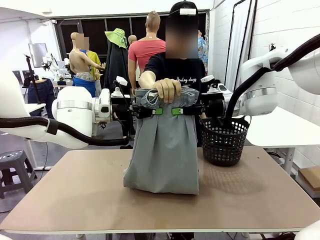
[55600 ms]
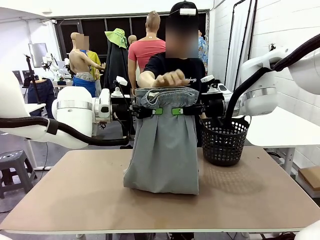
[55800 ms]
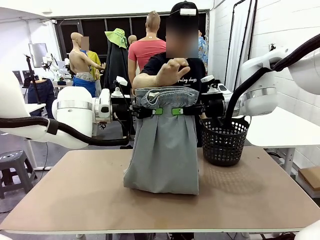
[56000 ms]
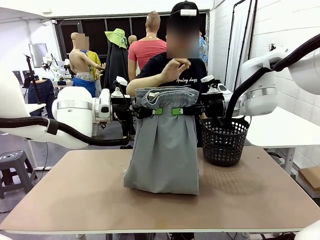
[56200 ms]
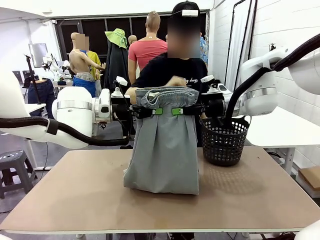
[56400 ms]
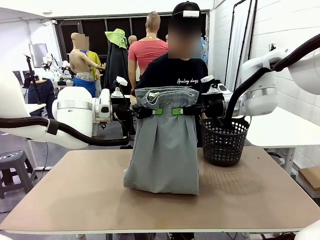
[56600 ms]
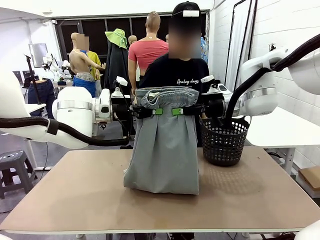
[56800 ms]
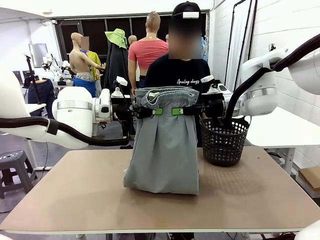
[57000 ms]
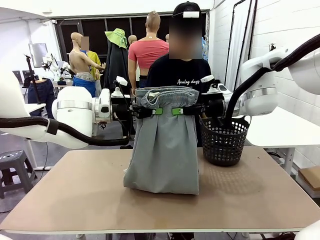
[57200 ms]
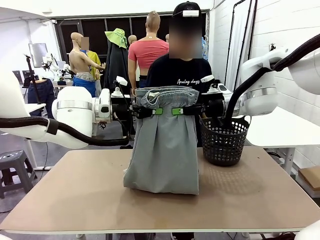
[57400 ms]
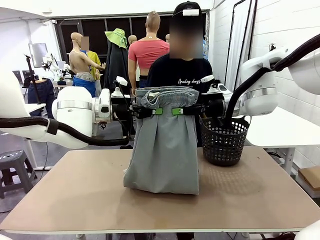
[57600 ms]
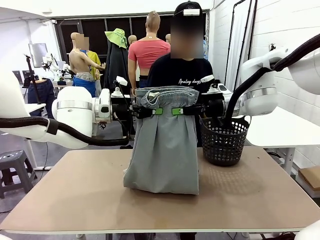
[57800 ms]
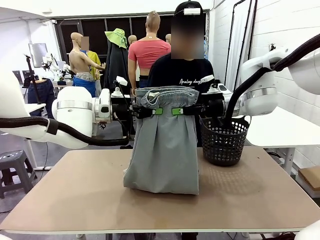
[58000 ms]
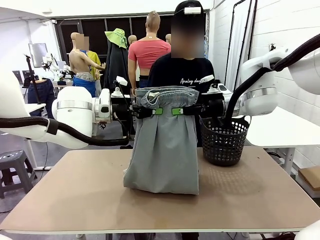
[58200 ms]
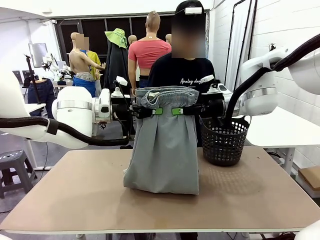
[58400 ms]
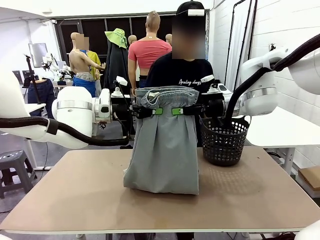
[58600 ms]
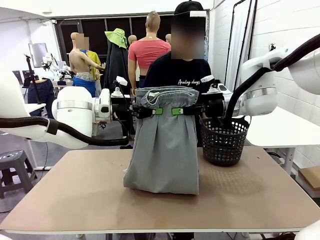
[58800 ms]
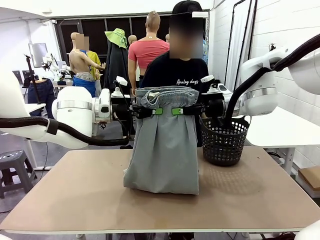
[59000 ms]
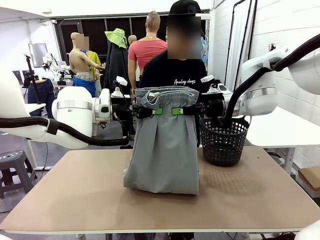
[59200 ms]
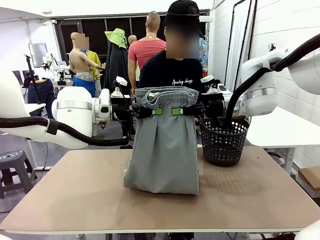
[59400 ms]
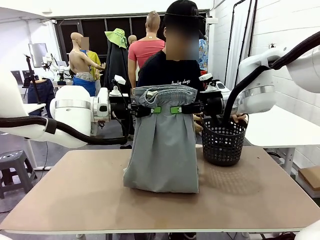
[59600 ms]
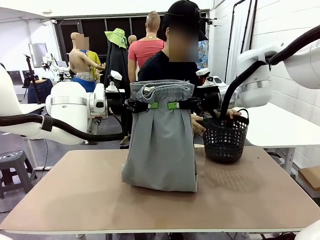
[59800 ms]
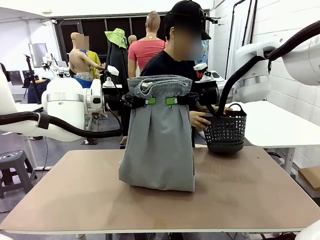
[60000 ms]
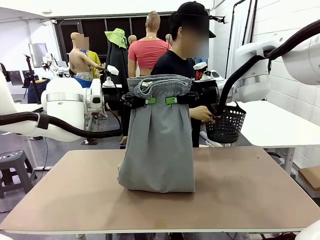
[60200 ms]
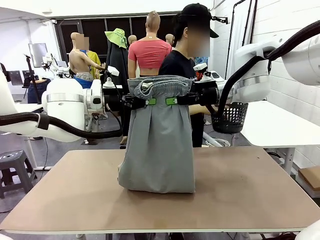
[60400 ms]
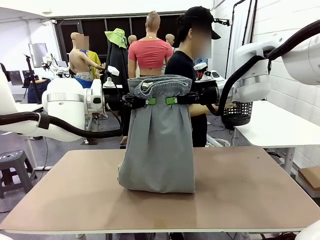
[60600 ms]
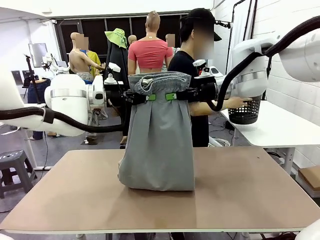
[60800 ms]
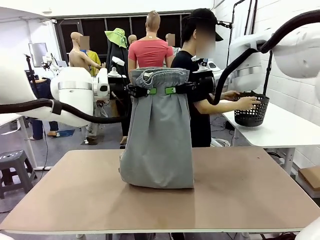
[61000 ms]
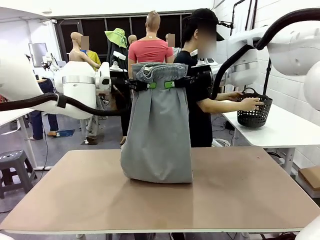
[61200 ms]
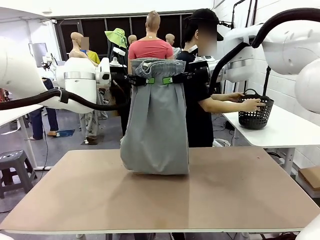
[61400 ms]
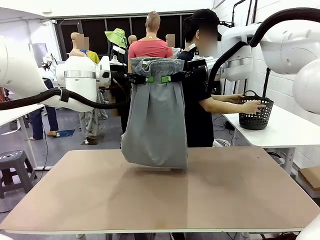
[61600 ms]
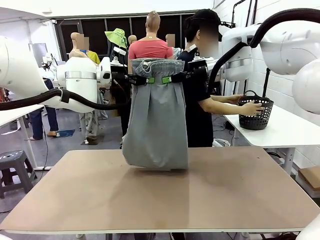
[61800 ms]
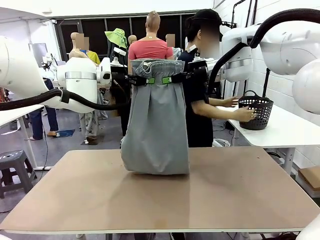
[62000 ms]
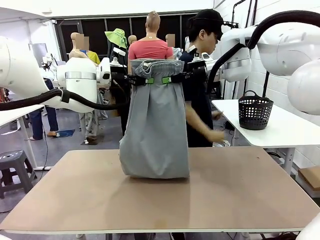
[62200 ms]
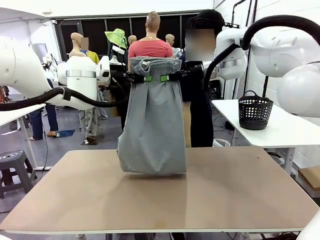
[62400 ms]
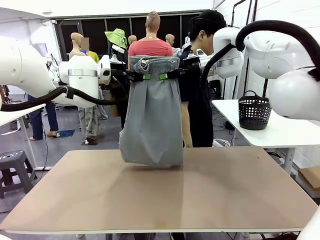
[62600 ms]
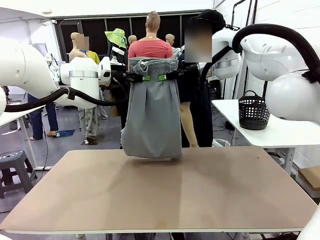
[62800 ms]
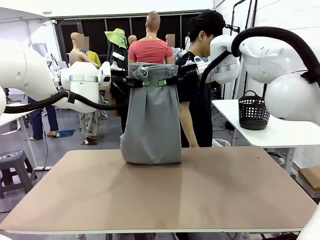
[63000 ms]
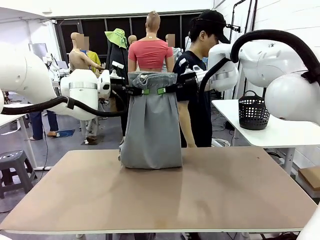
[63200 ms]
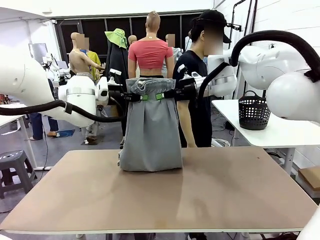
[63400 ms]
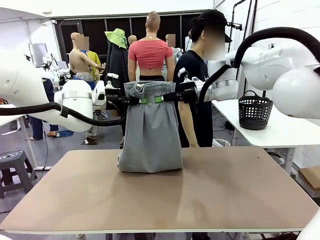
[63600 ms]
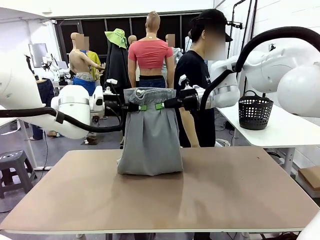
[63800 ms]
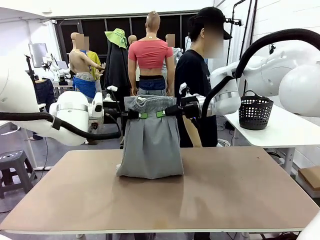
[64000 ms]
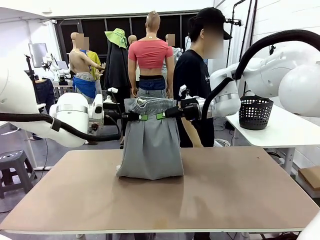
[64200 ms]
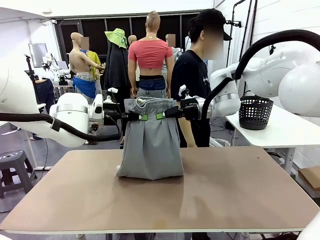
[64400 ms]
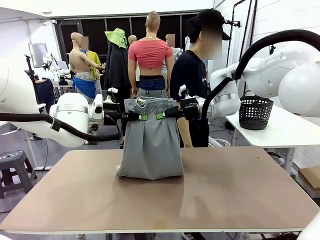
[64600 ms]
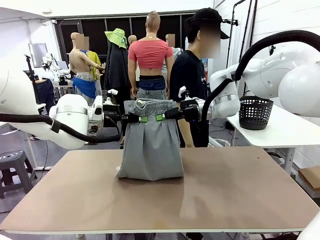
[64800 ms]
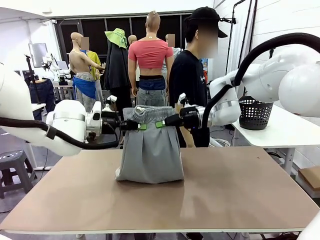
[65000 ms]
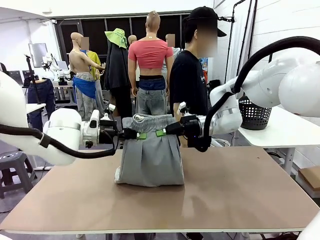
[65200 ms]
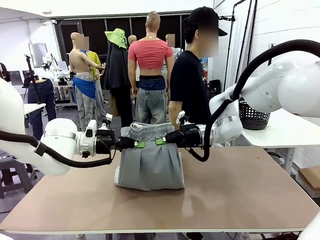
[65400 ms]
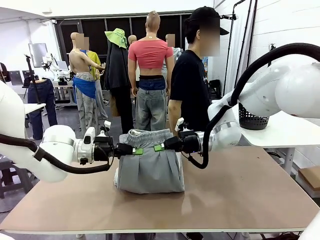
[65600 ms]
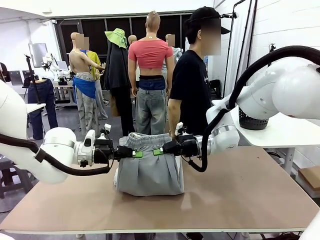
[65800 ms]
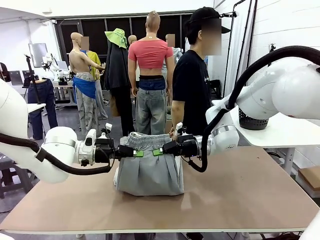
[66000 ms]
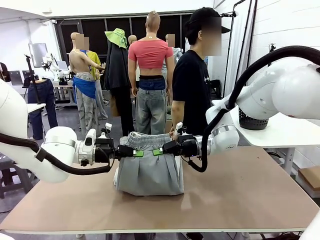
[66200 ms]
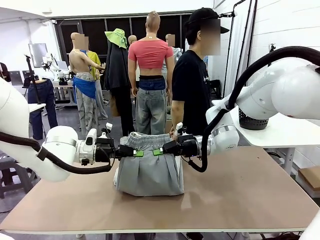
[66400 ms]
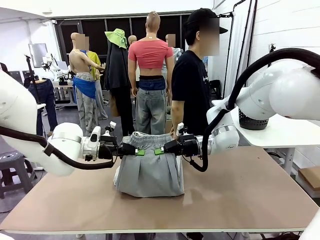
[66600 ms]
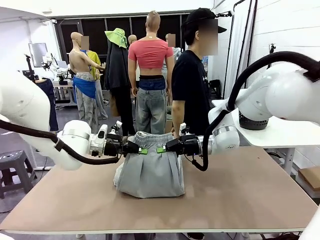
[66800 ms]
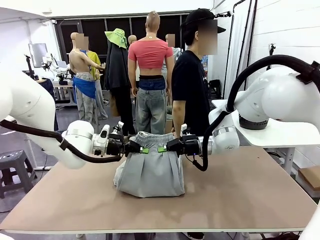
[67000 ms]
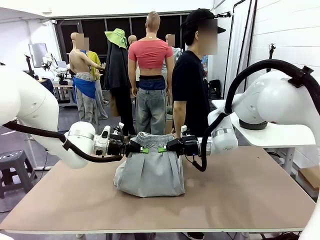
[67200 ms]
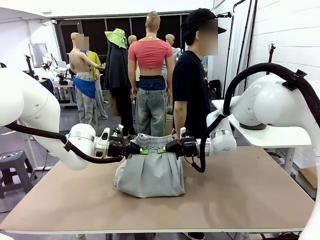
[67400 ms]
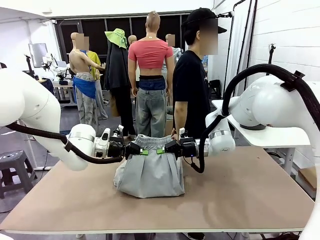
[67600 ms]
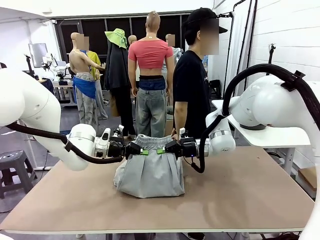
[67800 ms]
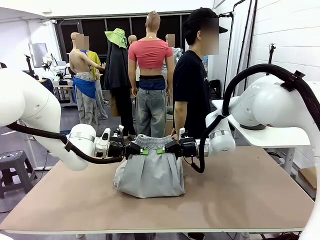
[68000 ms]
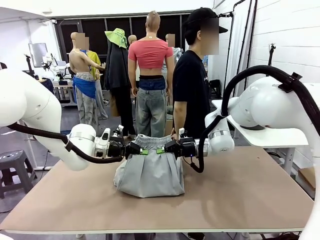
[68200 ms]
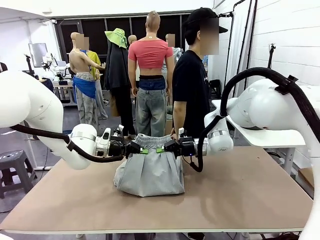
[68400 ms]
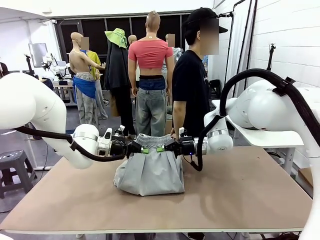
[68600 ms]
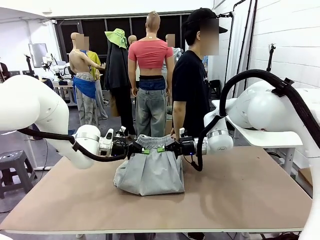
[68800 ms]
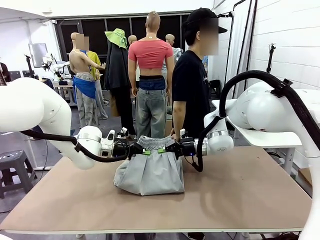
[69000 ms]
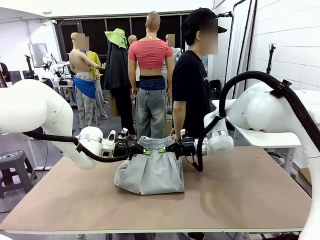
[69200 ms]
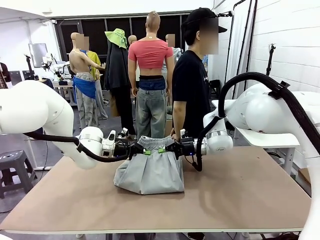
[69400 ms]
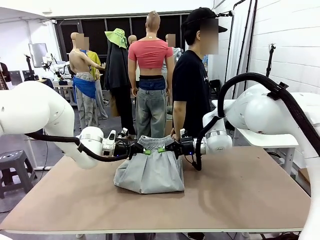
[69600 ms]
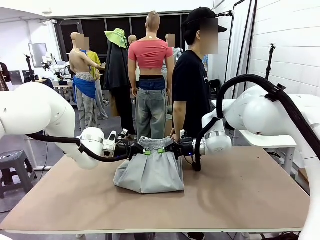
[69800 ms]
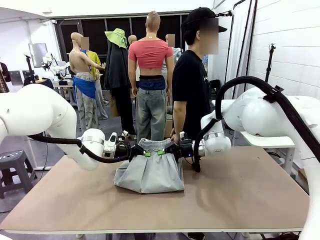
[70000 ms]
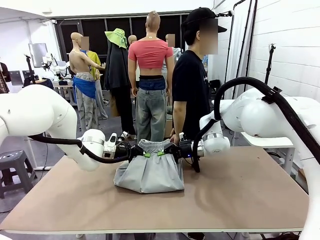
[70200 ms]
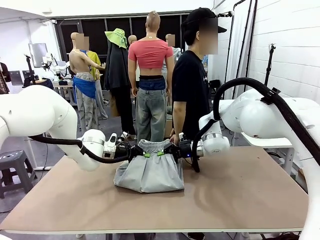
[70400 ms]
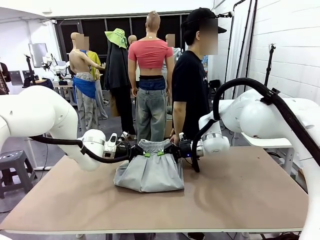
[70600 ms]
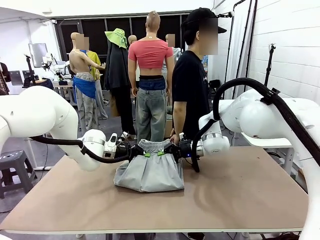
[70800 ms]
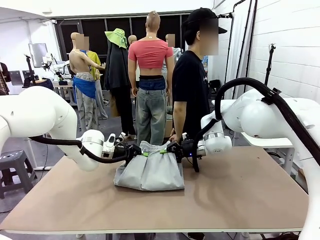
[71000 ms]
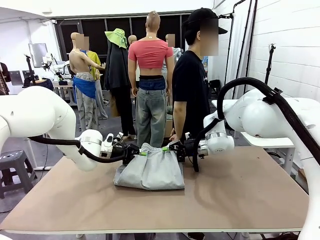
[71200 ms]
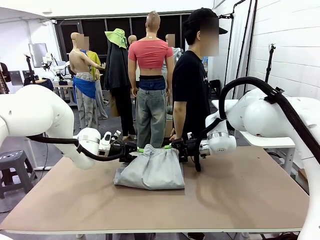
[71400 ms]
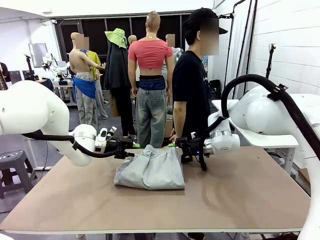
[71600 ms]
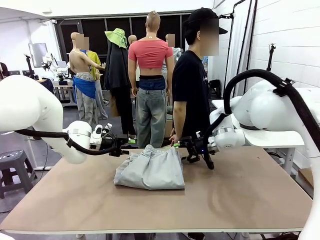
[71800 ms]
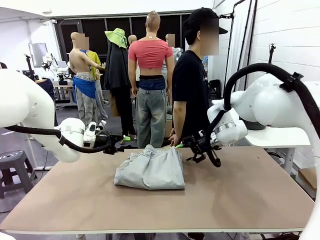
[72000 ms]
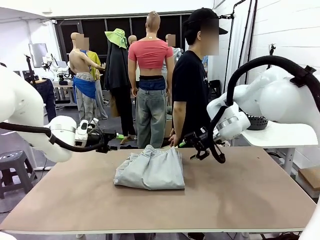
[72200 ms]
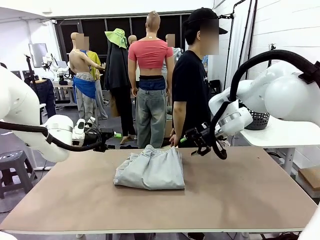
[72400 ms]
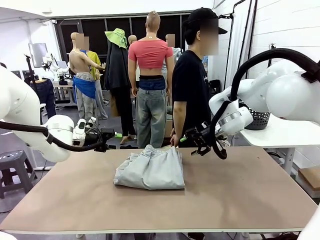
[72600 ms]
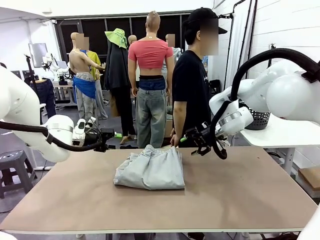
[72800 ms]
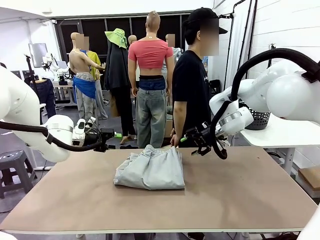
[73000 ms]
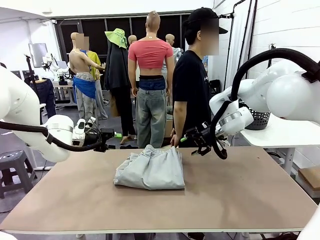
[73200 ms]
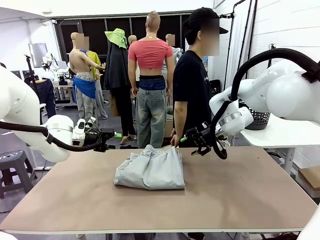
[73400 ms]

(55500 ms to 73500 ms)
Task: Fold the training pants.
Robot: Fold the Training pants in half.
Person: Move the laundry basket to the right of the human table.

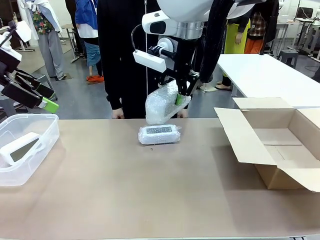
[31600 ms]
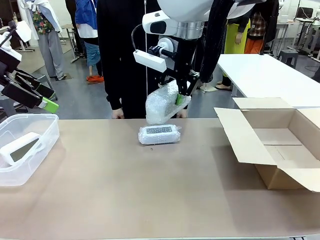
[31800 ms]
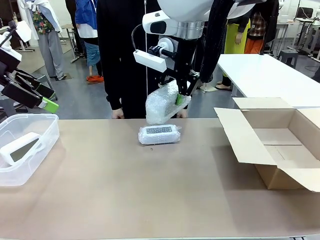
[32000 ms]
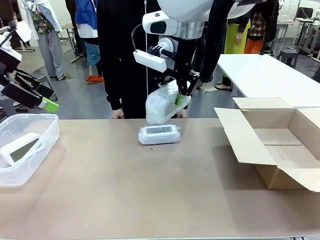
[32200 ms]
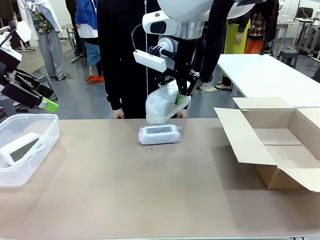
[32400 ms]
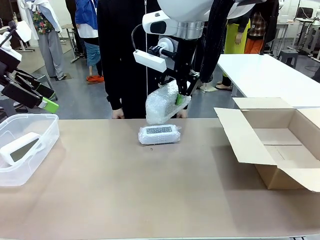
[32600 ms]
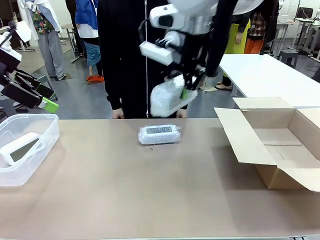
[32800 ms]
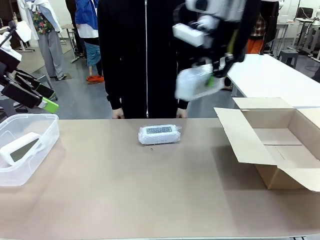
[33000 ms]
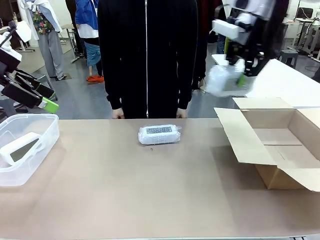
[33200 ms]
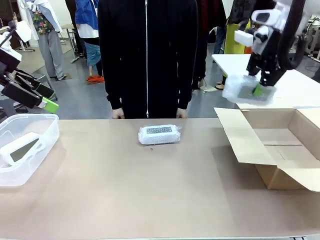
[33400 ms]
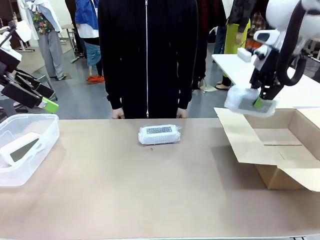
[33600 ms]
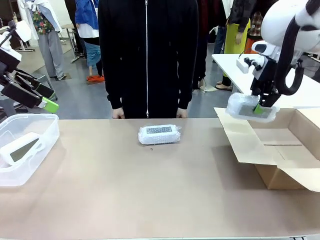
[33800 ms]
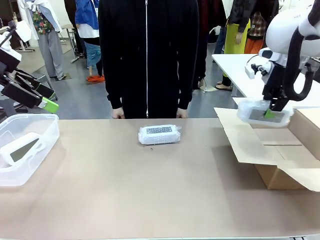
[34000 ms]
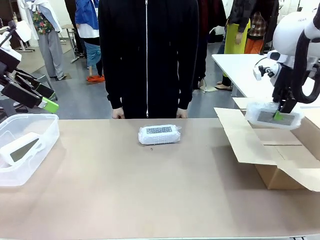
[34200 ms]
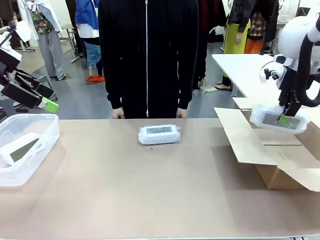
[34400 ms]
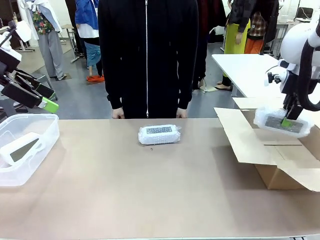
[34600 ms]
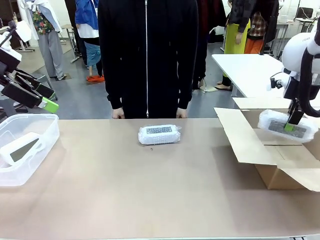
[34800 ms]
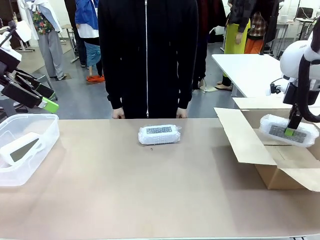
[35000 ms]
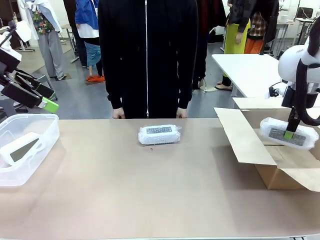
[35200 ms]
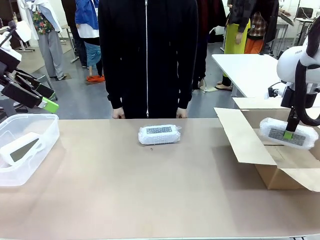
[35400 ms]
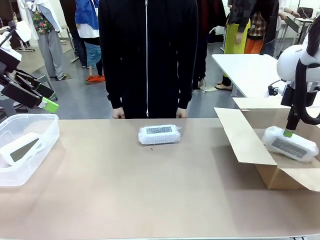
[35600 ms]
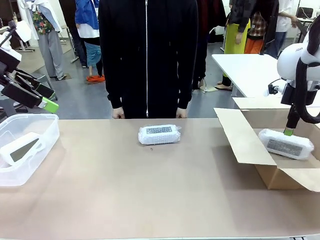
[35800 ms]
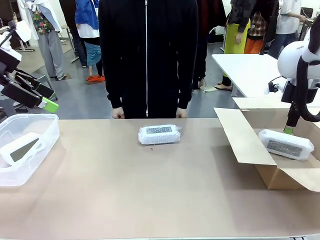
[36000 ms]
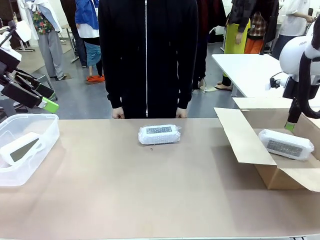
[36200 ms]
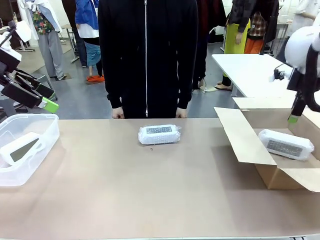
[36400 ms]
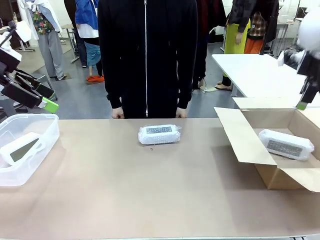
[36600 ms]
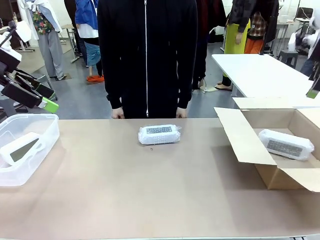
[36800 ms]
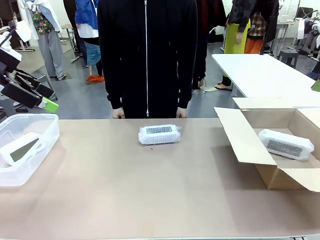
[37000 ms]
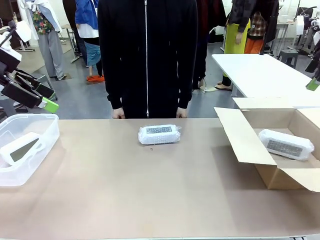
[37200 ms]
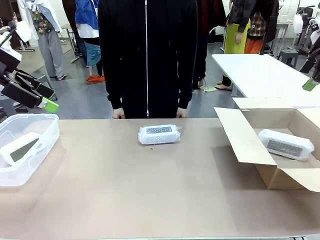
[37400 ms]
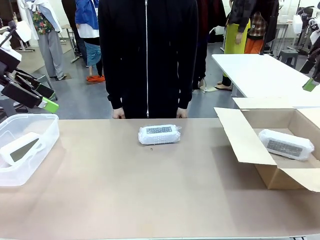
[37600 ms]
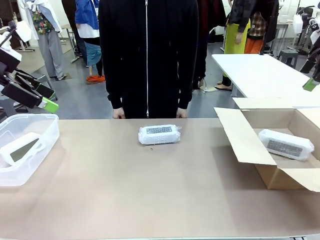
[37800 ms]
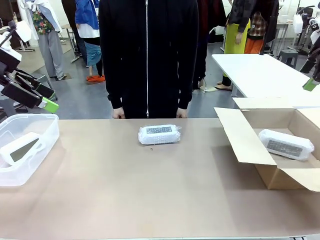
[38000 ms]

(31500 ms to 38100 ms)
Task: Separate and place wrapped and unwrapped clocks.
Robot: If the picked Digital clock is wrapped, place it in the Package Box ; if not, place it in the Organizing box.
